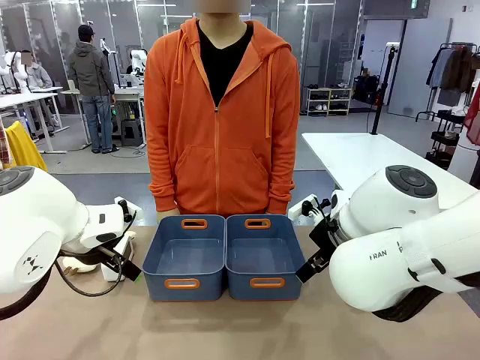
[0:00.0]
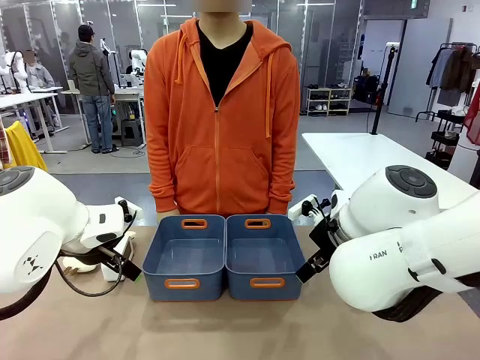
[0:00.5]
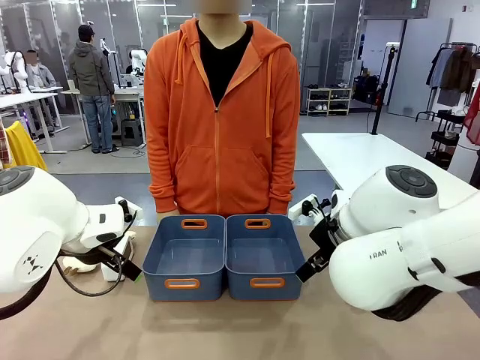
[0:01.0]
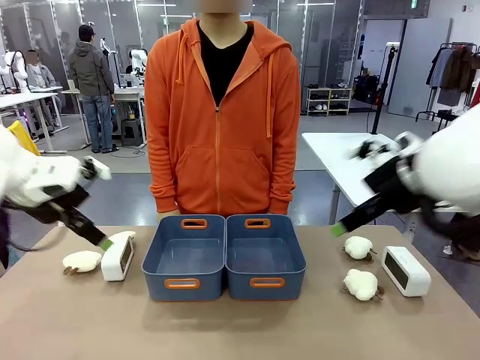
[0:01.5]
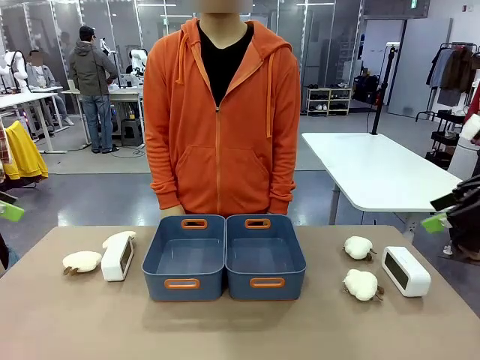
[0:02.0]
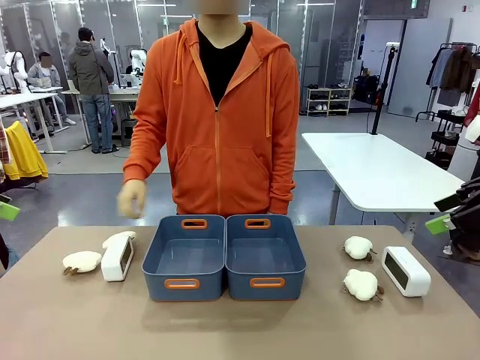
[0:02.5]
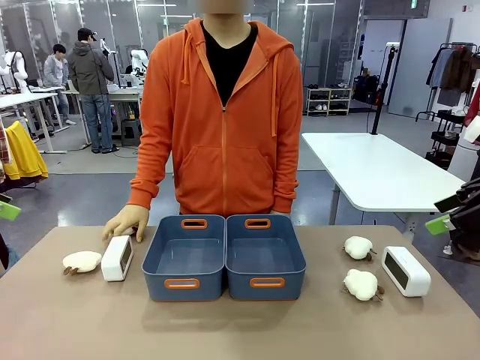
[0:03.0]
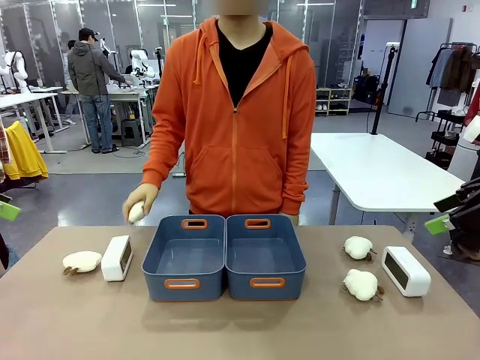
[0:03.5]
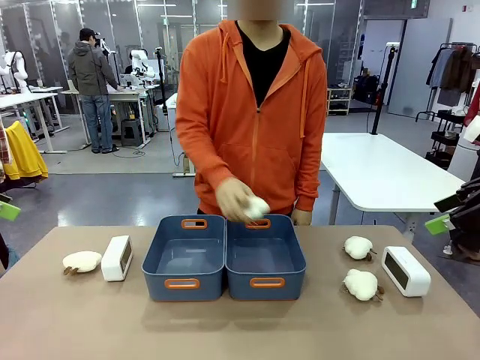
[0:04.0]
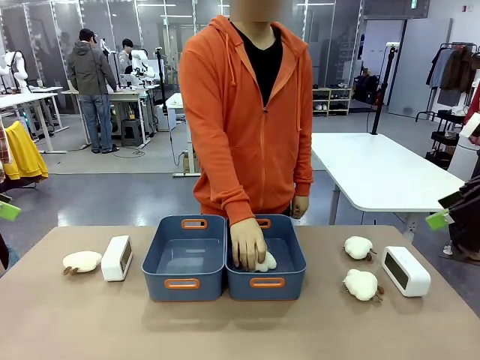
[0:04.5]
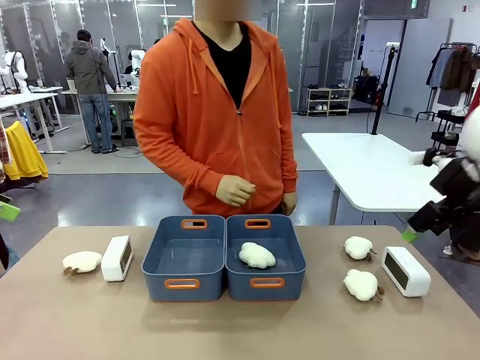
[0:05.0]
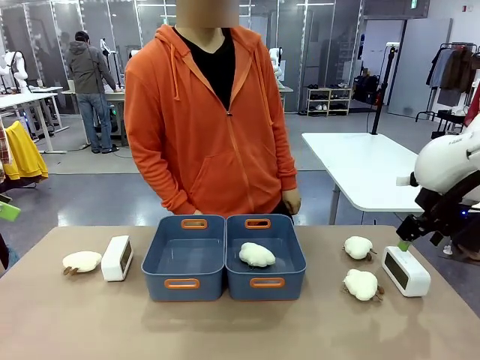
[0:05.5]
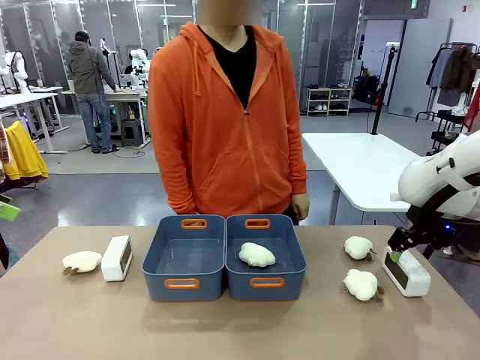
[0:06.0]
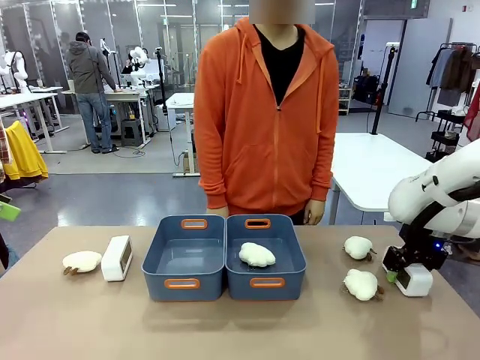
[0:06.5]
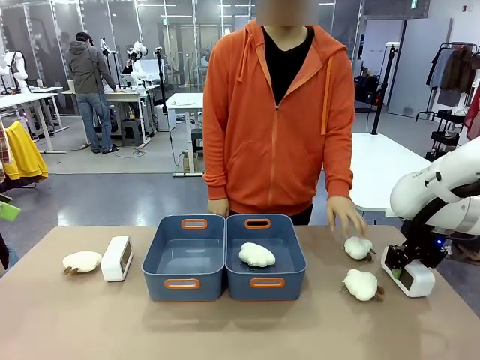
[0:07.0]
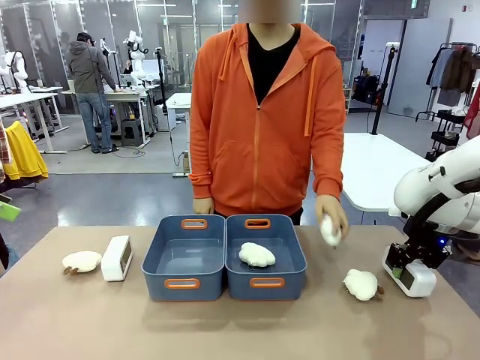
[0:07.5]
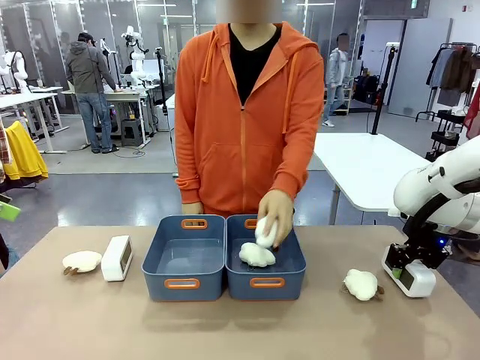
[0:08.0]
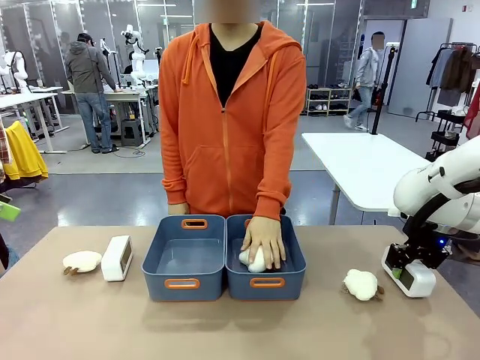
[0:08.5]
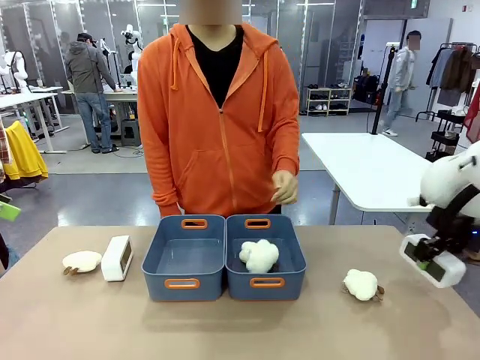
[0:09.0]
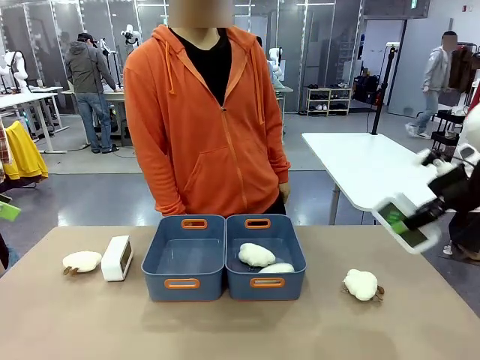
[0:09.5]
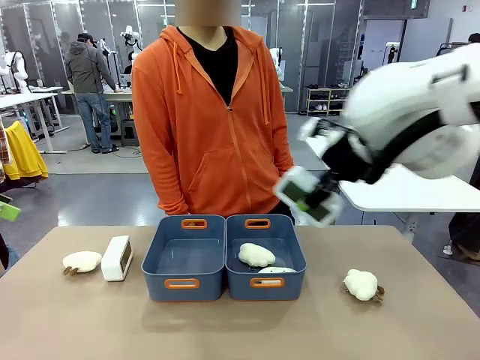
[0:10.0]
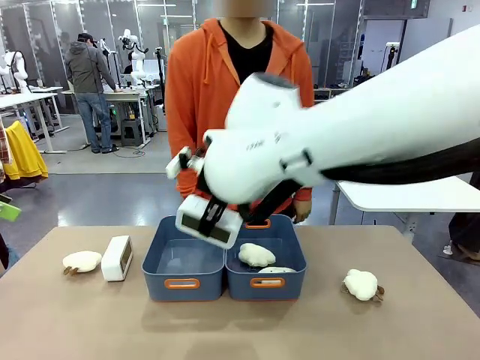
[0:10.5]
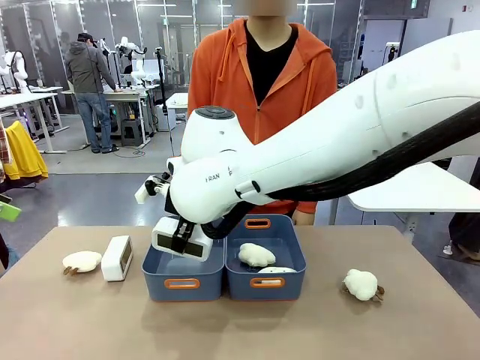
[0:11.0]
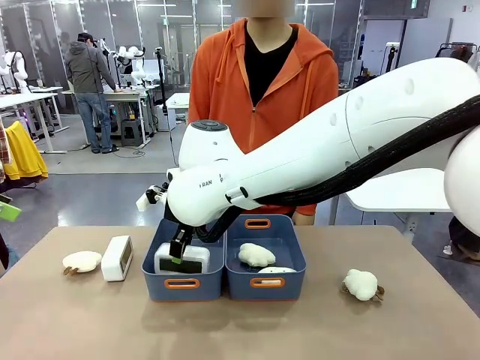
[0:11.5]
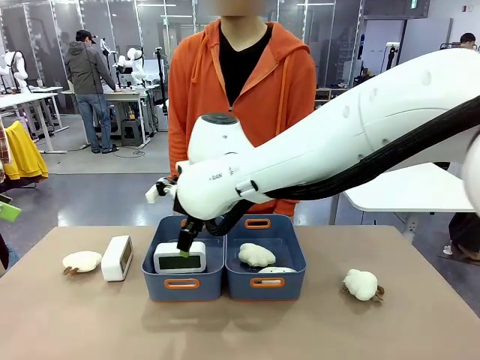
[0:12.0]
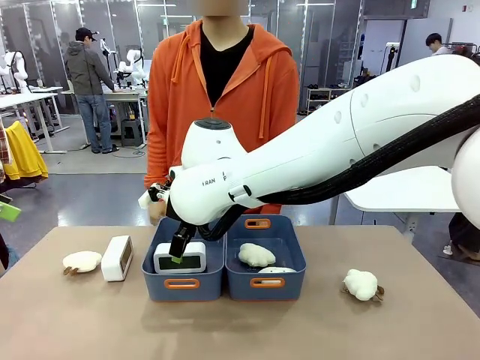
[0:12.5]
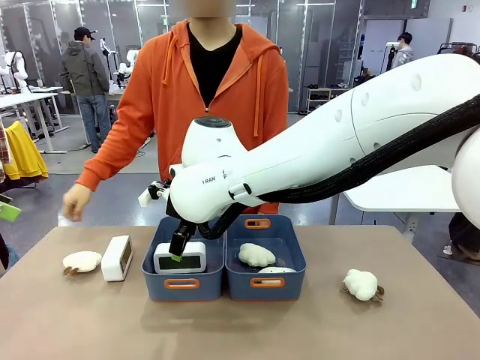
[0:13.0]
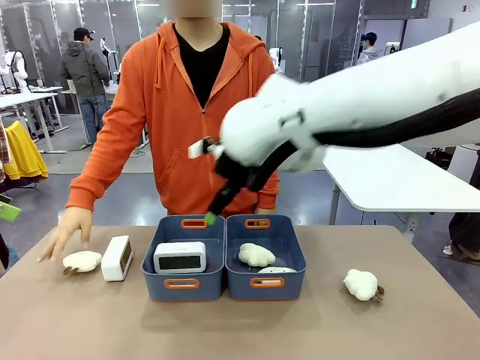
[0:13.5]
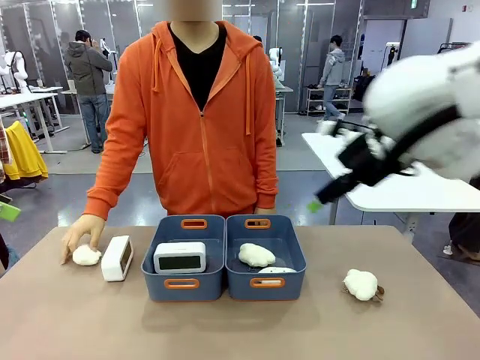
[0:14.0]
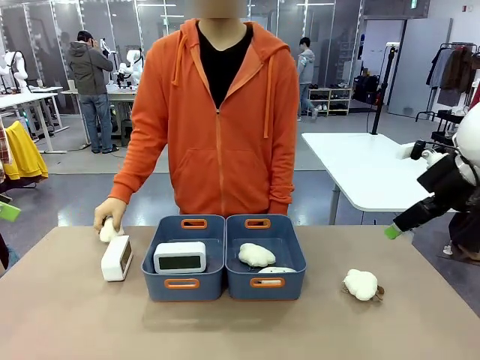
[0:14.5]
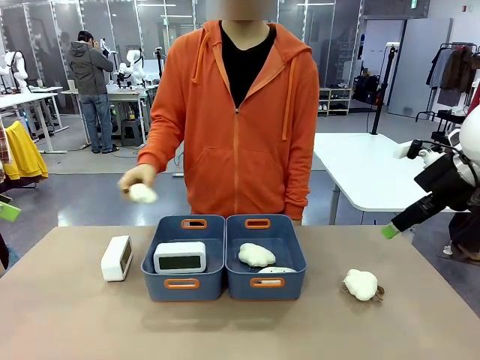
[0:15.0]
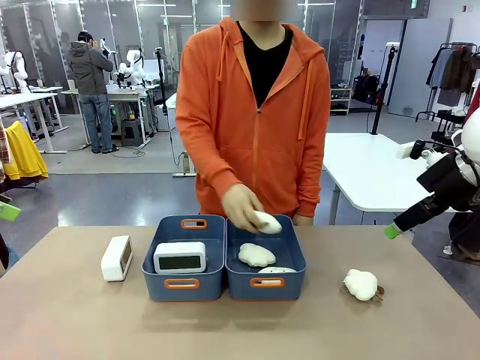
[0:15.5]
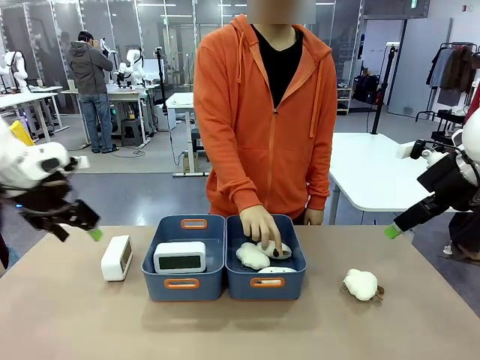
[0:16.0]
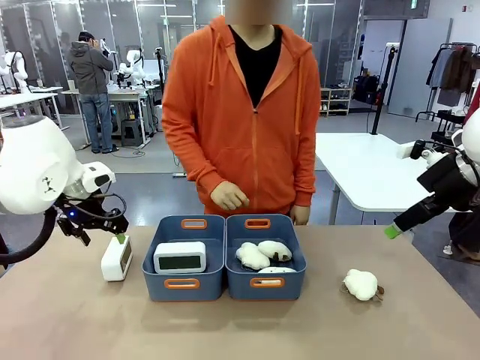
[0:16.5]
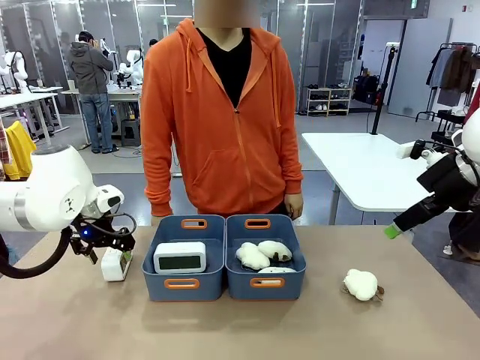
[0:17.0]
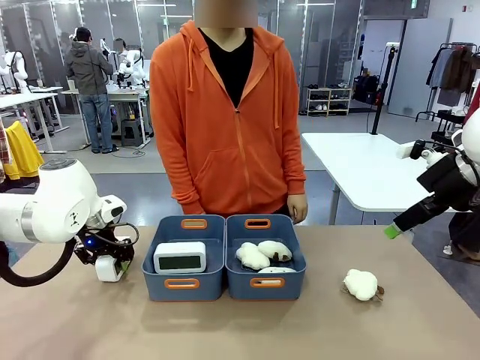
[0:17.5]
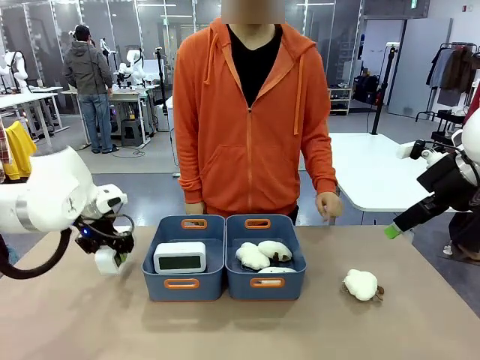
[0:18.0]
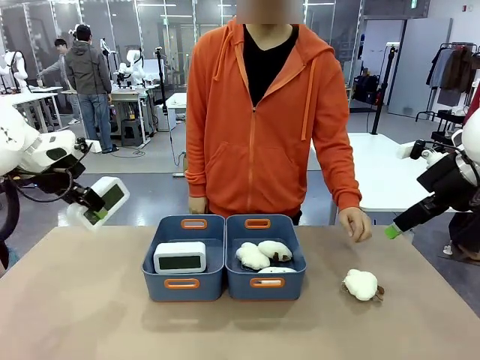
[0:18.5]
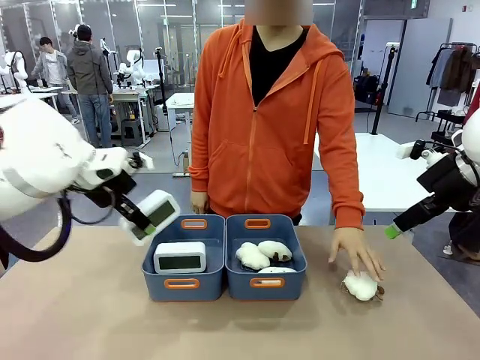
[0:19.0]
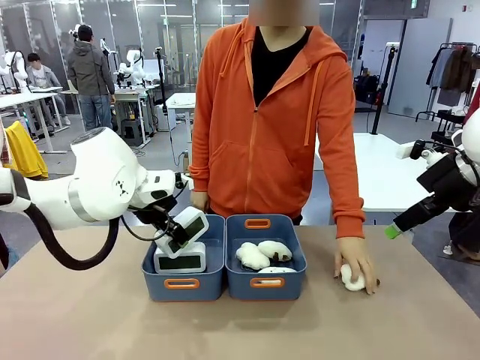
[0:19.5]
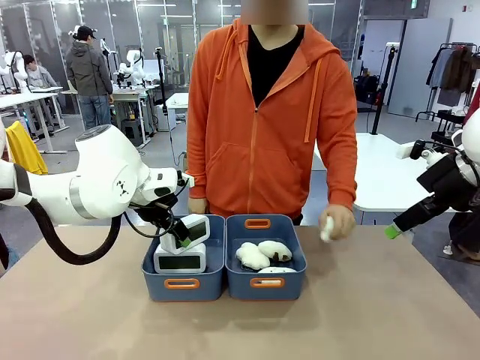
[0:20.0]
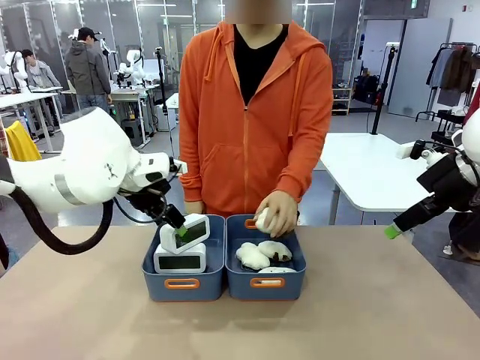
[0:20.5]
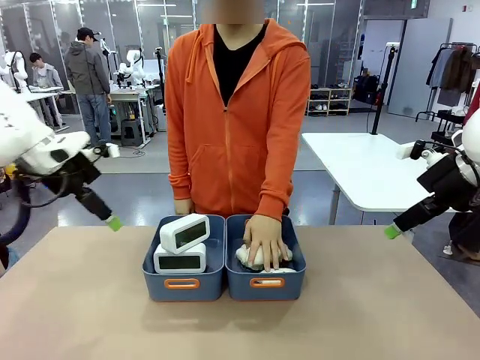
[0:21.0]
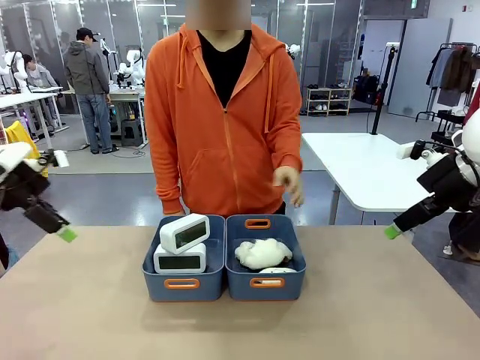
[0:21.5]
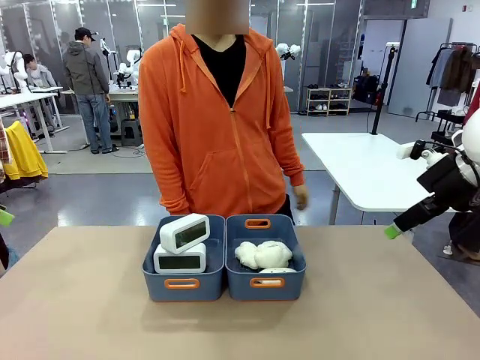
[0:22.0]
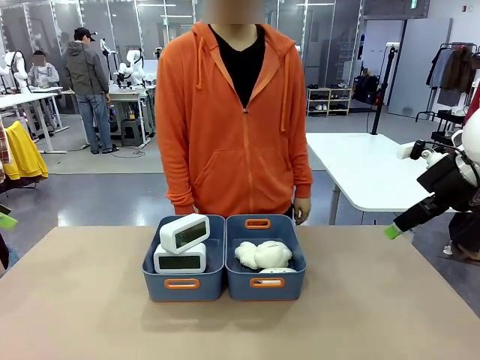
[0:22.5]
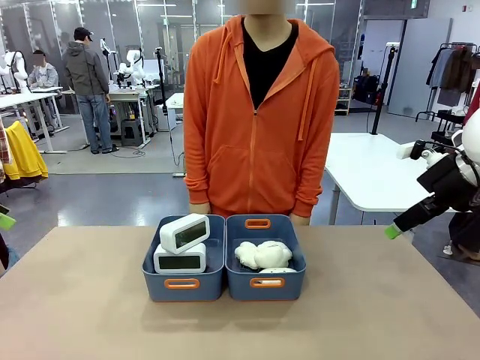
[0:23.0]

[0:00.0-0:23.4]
Task: Sort the digital clocks into the basket.
Robot: Pick up the Digital clock from the table and place it into the empty Plastic storage basket.
Person: Pick up a plush toy from the table and place it in a plastic storage basket. Pick up a plush toy from the table and place it in the plastic storage basket containing the plush toy.
